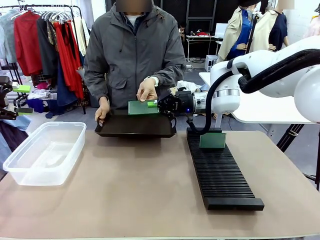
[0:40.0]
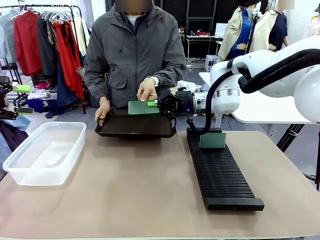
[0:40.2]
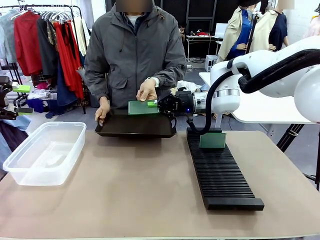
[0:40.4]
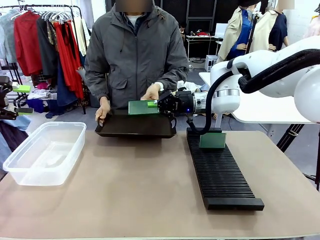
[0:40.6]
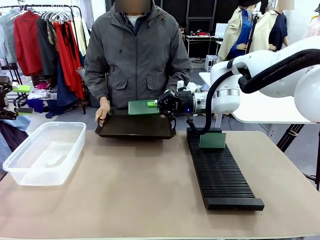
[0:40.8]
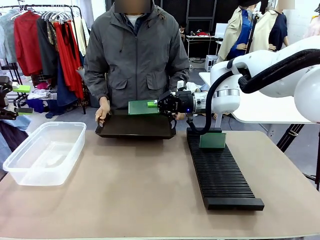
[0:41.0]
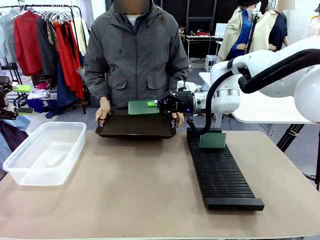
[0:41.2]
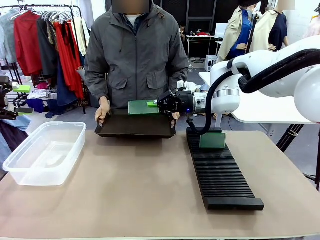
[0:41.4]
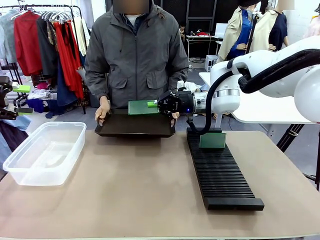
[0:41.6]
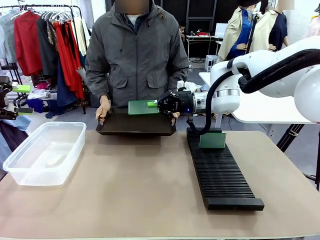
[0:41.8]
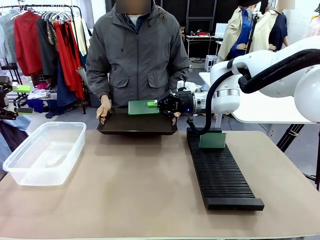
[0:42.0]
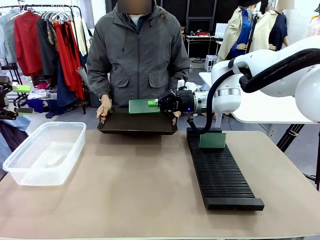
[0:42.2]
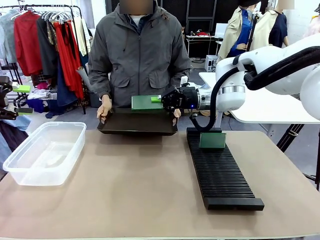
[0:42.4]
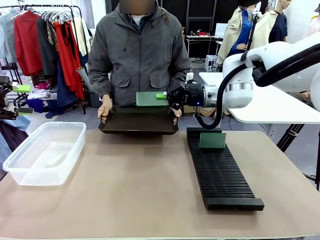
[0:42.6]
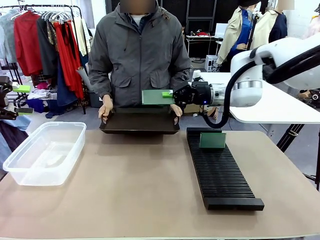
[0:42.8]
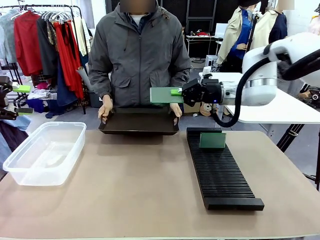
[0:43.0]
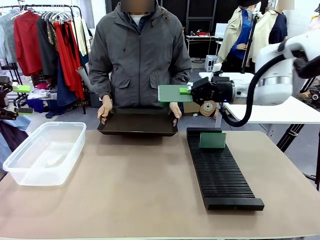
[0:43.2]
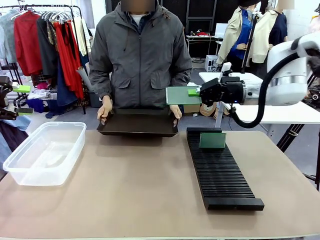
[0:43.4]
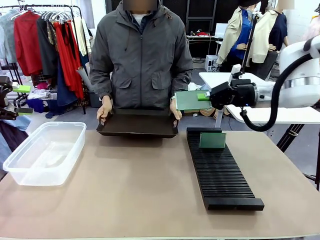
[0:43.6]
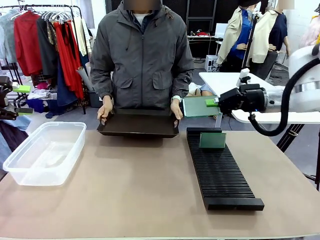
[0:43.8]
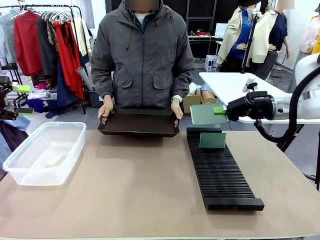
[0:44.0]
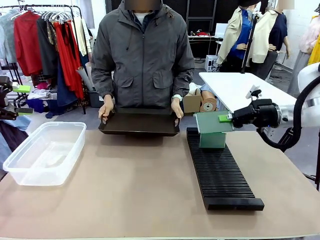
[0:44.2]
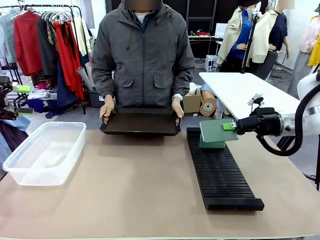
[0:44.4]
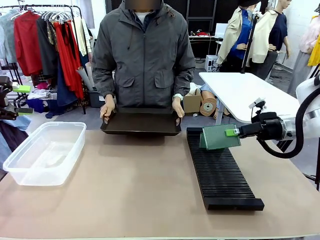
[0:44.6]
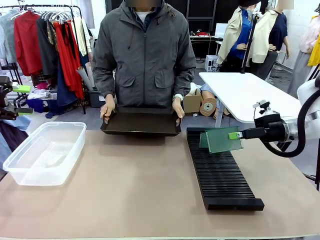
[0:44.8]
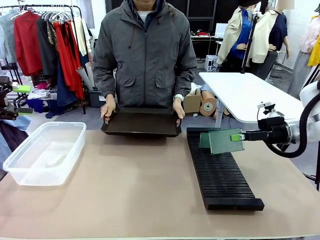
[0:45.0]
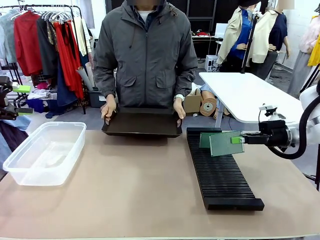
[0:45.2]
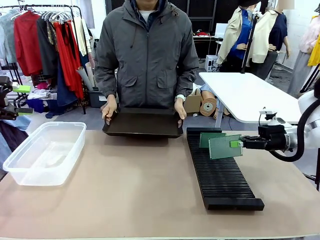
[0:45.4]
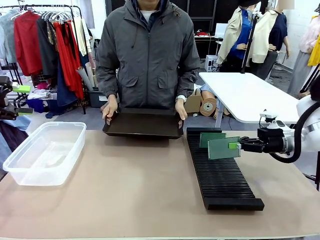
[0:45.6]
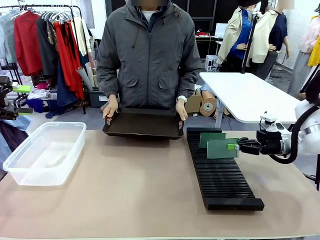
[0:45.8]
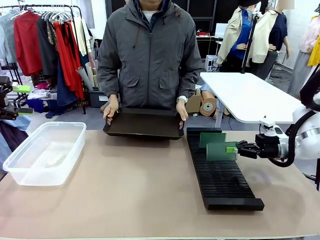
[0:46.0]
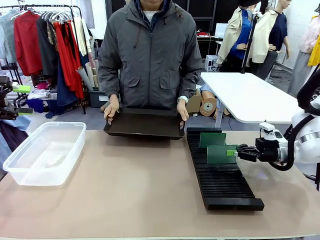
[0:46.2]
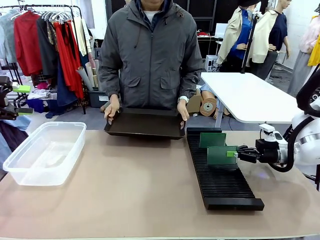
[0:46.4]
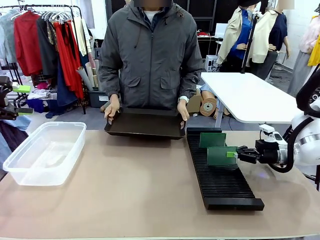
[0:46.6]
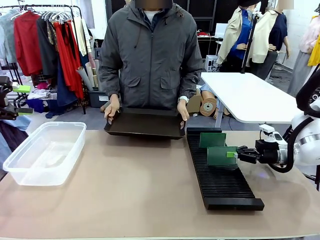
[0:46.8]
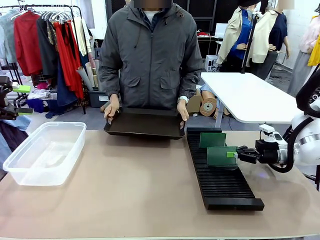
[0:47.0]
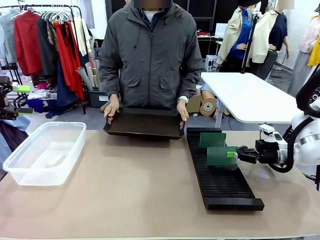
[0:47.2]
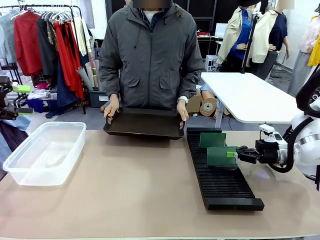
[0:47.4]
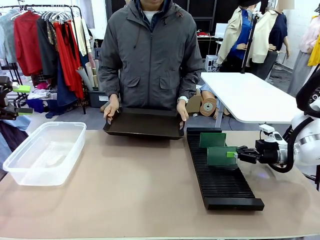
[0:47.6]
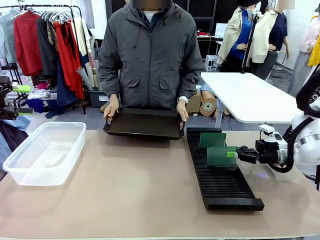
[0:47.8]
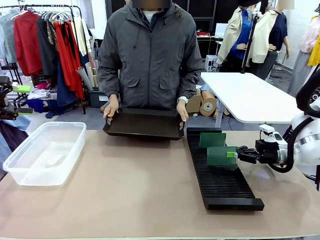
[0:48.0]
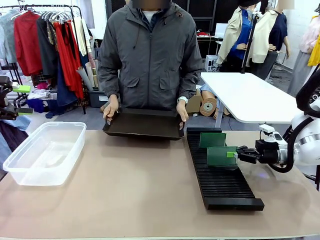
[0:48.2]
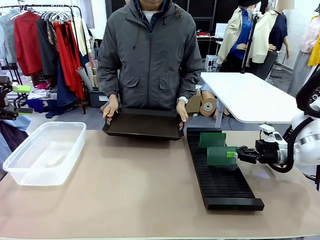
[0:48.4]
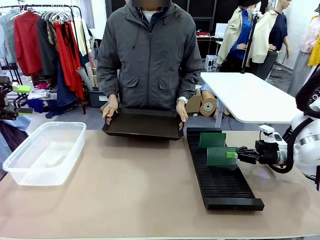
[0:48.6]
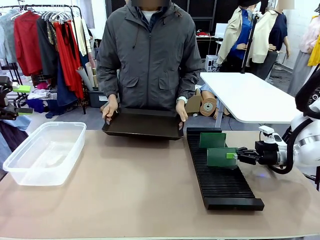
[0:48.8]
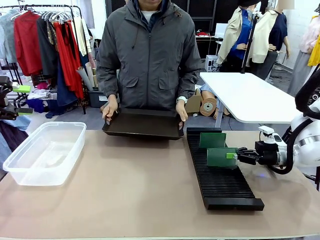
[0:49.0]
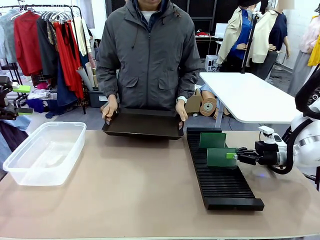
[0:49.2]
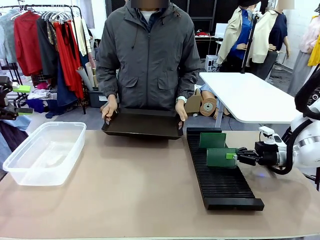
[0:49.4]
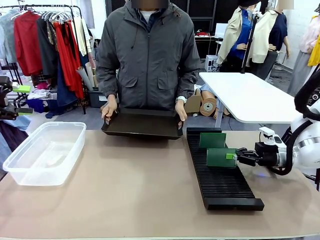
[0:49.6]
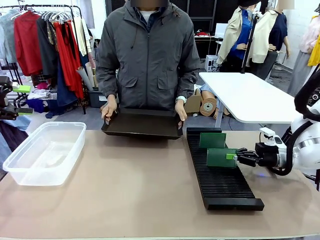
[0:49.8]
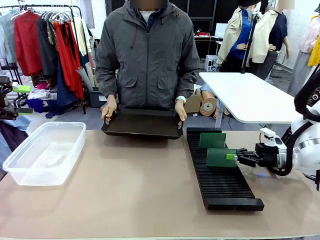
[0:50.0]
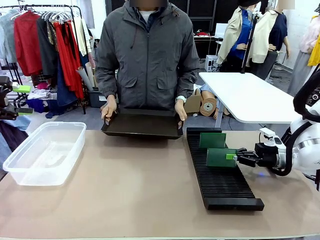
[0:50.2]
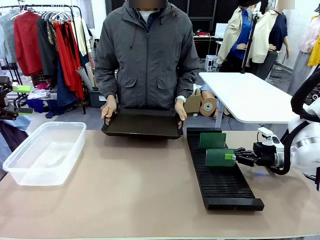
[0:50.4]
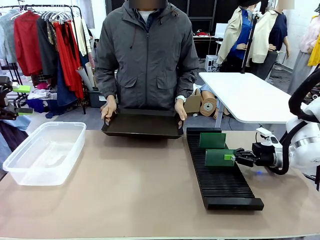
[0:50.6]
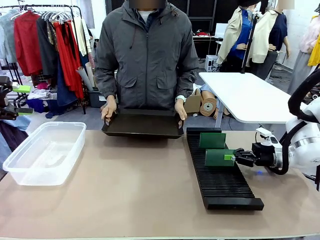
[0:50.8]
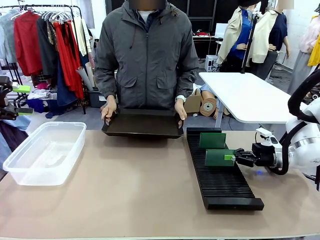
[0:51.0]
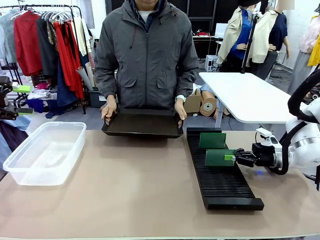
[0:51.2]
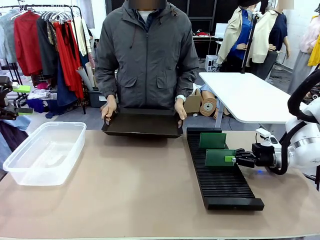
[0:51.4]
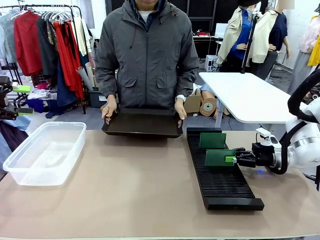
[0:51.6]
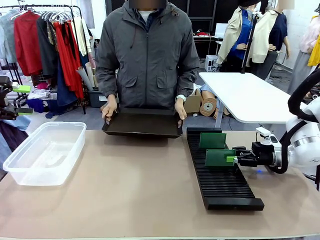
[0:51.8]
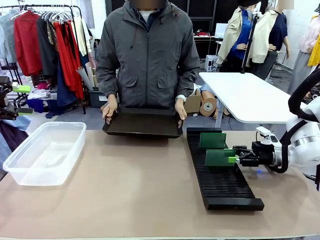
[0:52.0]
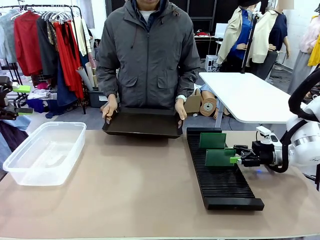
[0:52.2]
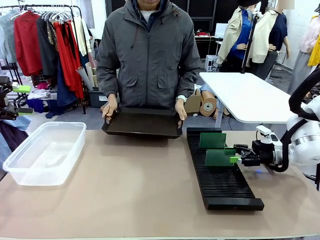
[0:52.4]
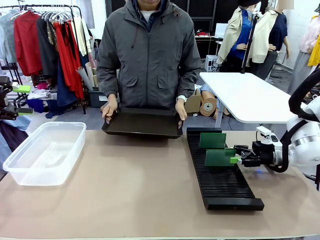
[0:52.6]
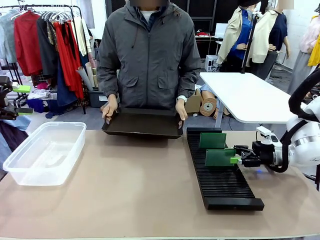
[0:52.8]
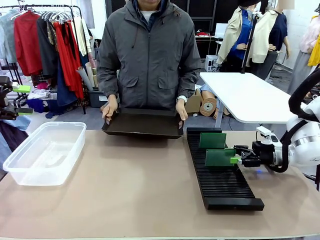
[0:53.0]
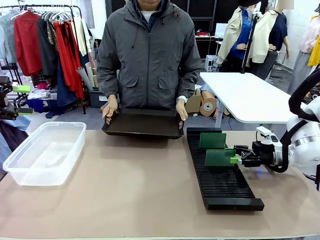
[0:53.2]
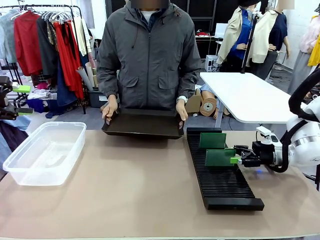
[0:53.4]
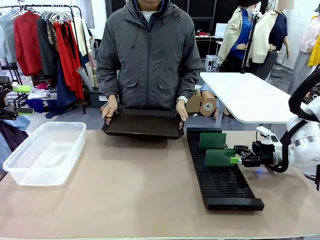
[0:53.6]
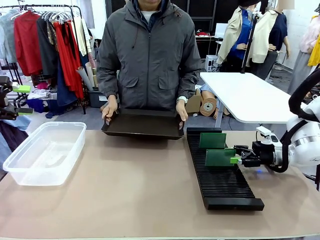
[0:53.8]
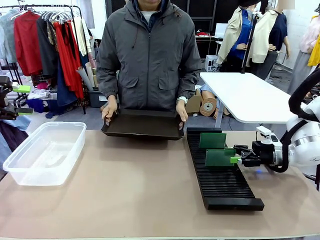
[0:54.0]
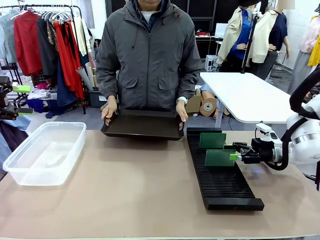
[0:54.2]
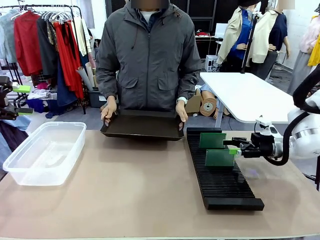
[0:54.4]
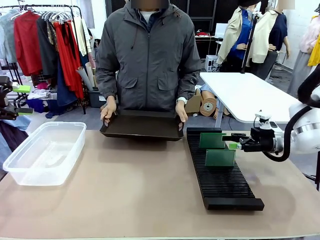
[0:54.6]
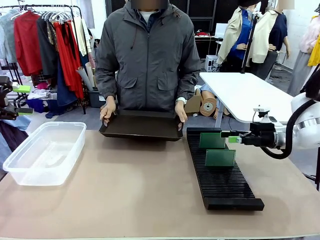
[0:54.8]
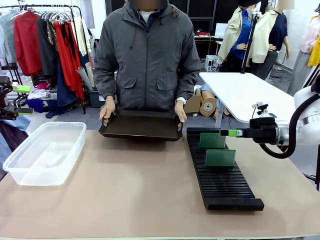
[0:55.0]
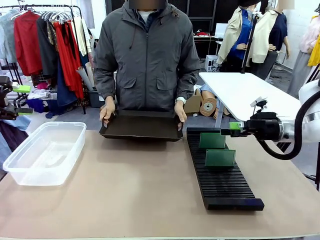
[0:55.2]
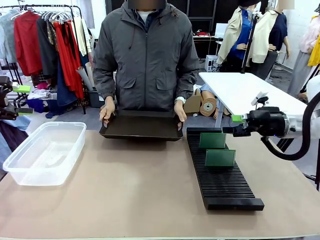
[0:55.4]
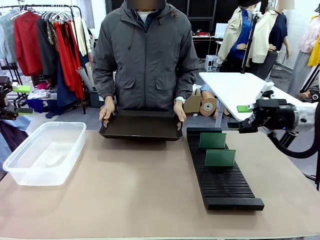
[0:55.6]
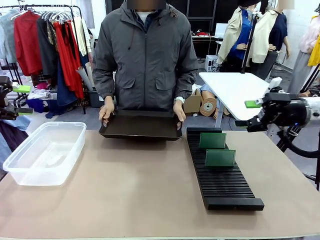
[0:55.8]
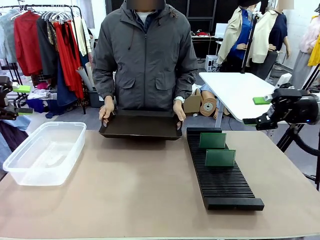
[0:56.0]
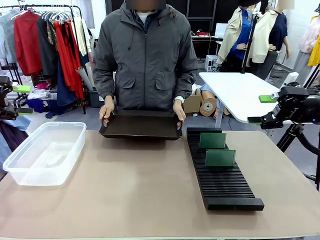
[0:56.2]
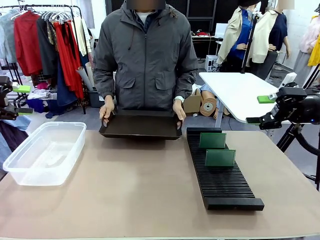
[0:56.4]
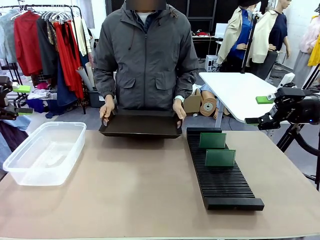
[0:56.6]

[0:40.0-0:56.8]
Task: Sort PCBs into racks and boxes based on the side picked up.
Robot: If the short side of the Blank PCB is picked up, insert it into the PCB Rack ; if the long side is picked up, place it in the Organizing box.
Person: Release the PCB being held.

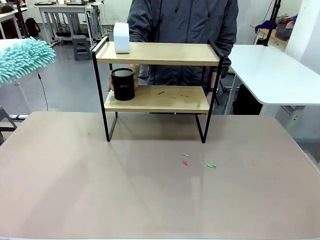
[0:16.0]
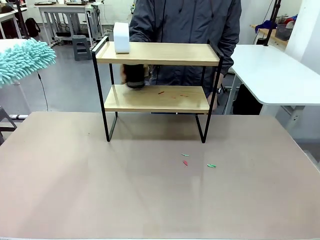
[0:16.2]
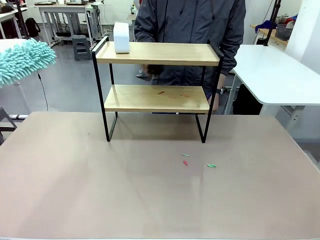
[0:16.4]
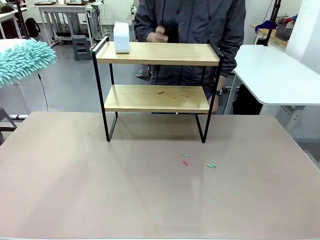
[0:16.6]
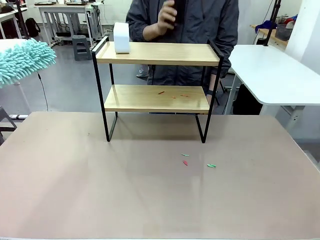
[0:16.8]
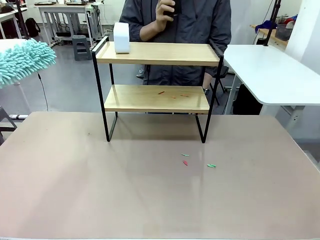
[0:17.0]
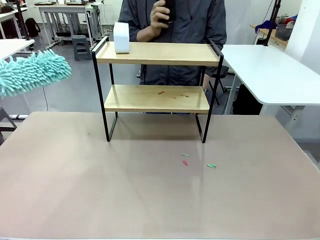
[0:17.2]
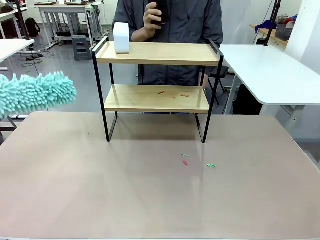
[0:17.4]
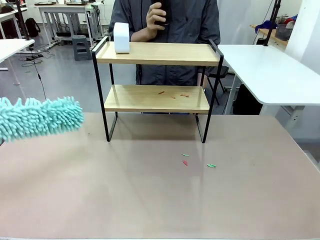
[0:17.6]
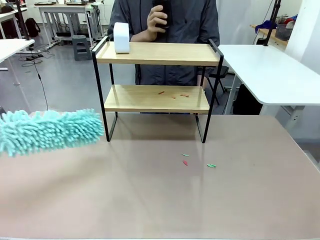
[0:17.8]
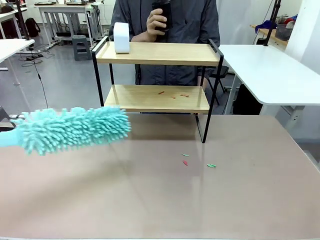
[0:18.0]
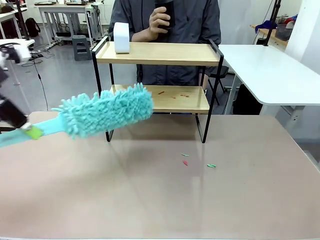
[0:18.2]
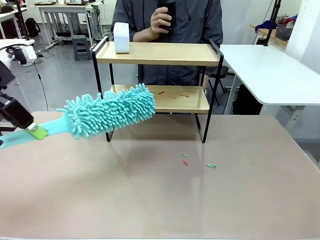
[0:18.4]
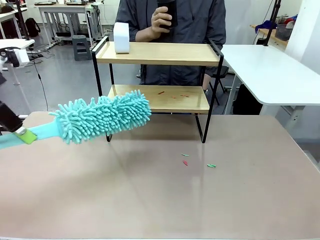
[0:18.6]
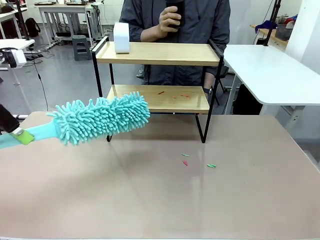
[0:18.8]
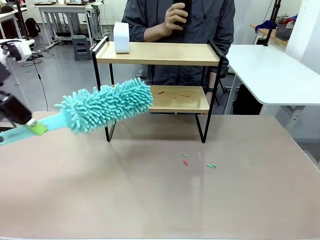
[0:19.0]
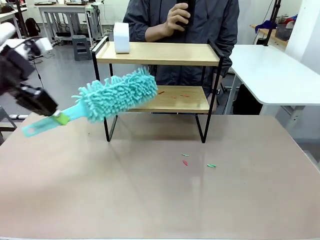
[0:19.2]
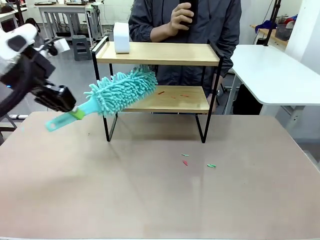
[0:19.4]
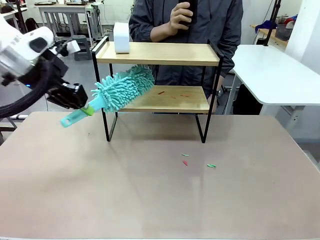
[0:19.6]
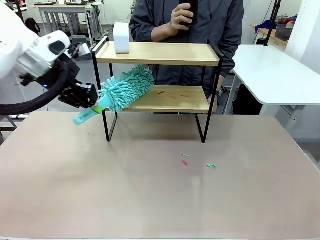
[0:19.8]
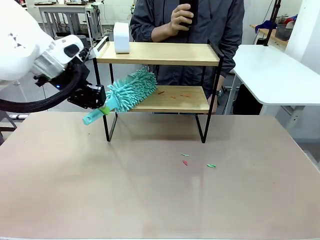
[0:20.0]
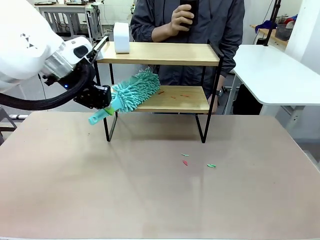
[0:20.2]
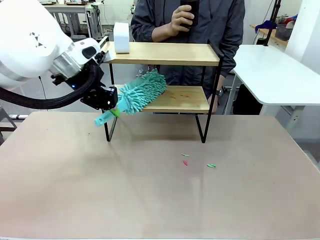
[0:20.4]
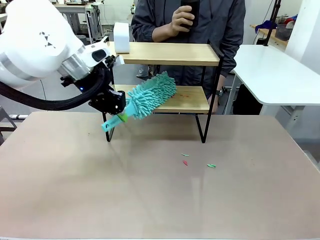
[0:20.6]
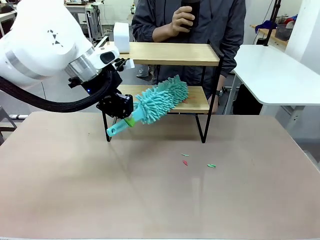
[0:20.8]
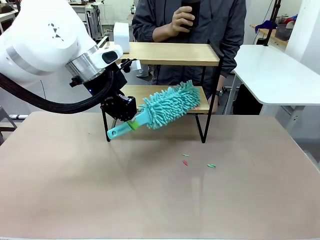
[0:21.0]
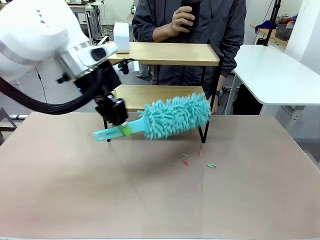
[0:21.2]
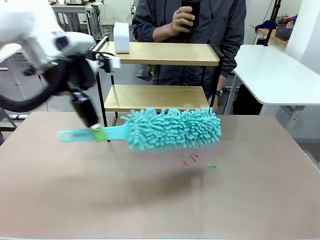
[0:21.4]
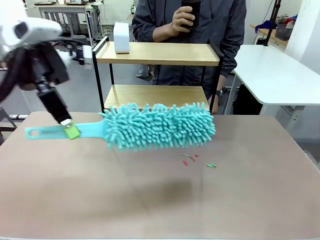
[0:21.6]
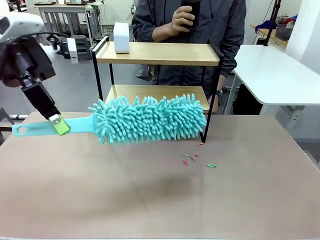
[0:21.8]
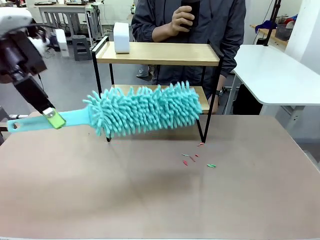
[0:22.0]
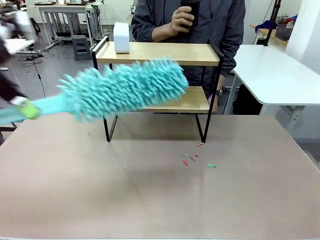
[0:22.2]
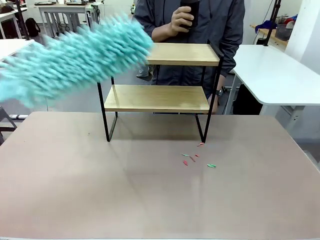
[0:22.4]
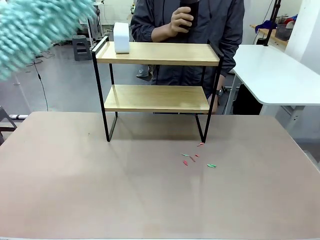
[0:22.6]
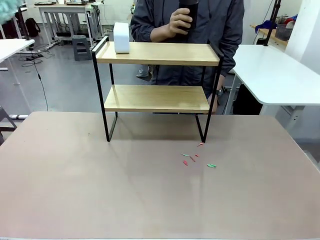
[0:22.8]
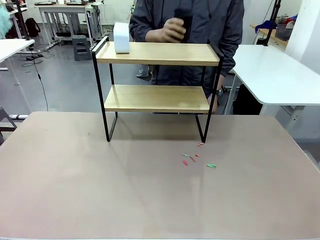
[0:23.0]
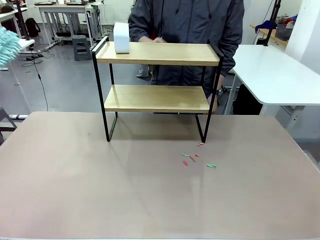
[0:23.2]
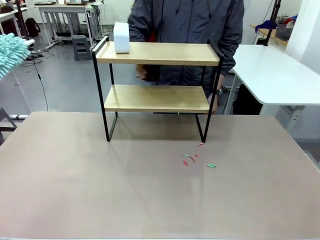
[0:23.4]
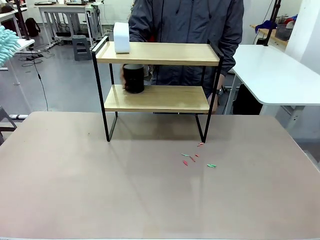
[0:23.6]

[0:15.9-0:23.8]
Task: Clean the shelf.
Robot: Clean the remaining tier of the Shelf with the Duster once objects are removed.
